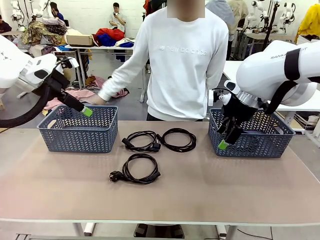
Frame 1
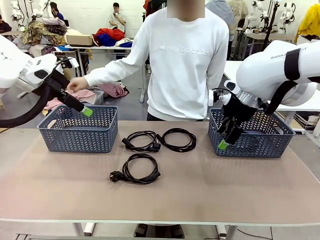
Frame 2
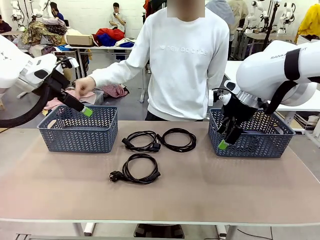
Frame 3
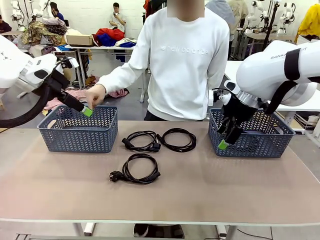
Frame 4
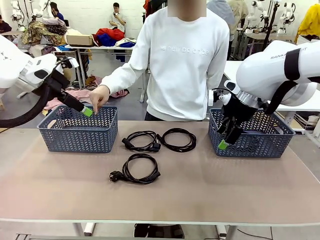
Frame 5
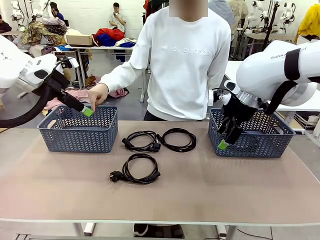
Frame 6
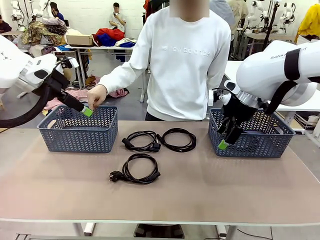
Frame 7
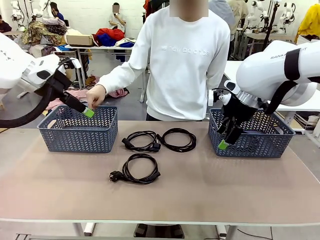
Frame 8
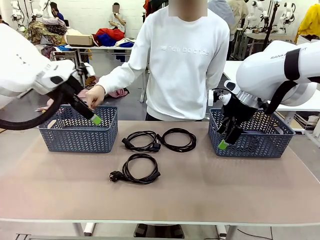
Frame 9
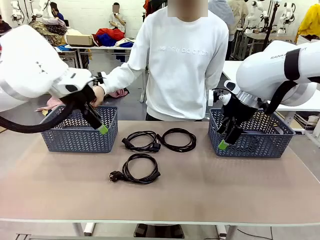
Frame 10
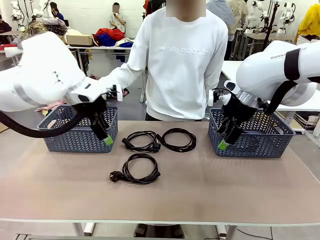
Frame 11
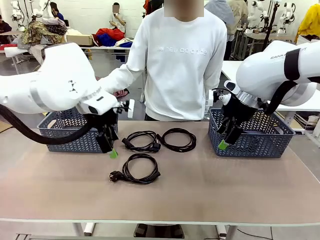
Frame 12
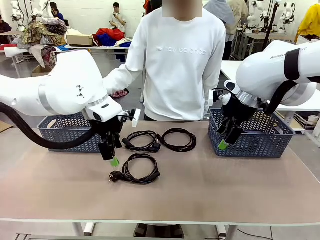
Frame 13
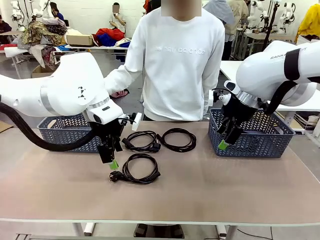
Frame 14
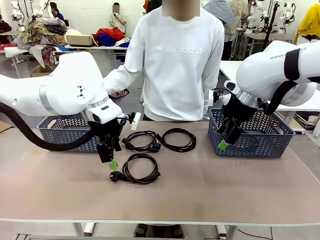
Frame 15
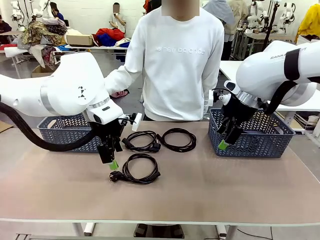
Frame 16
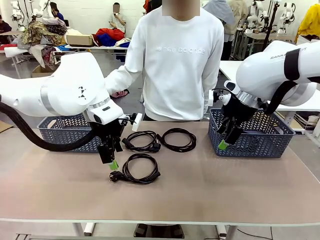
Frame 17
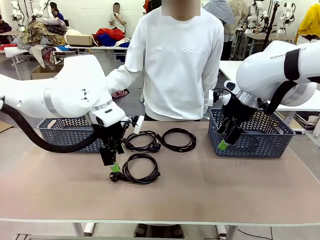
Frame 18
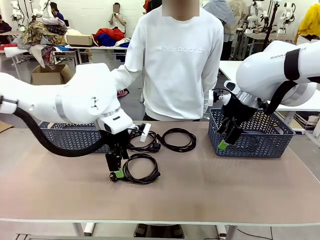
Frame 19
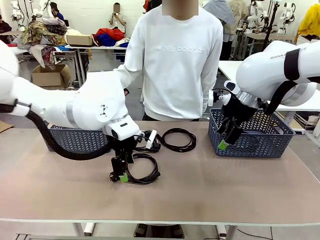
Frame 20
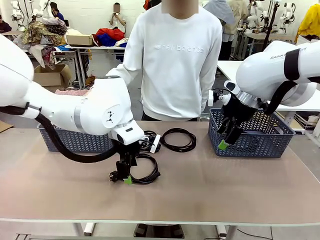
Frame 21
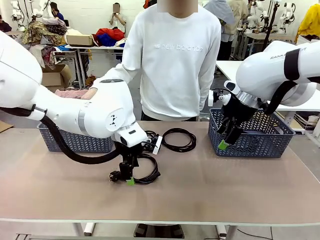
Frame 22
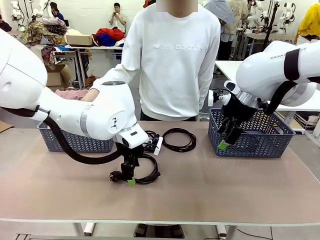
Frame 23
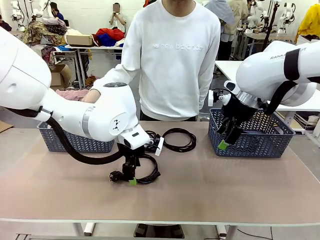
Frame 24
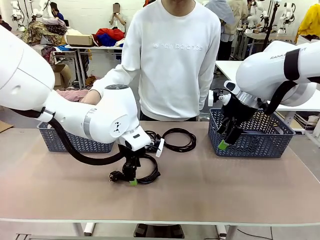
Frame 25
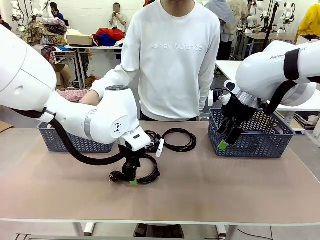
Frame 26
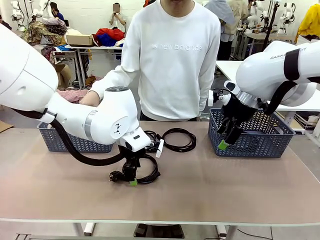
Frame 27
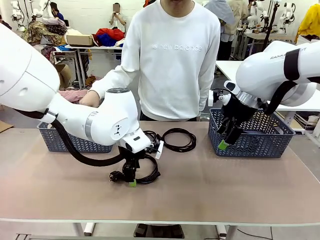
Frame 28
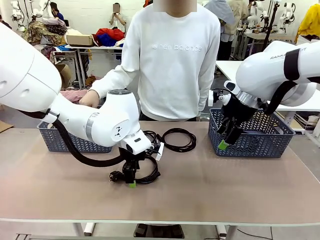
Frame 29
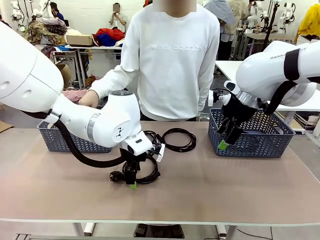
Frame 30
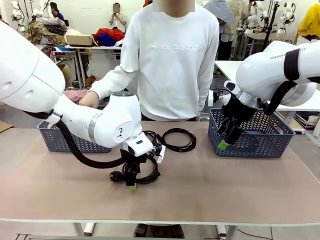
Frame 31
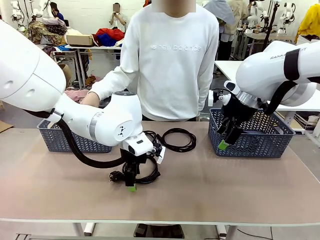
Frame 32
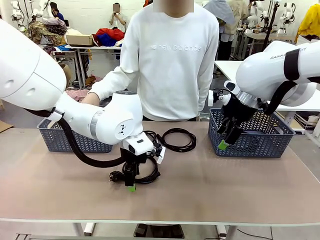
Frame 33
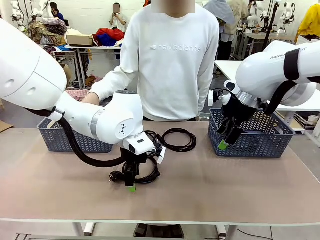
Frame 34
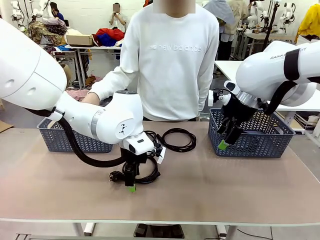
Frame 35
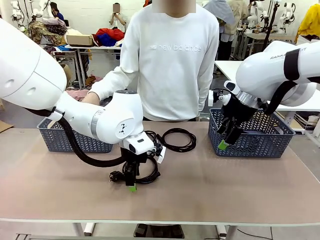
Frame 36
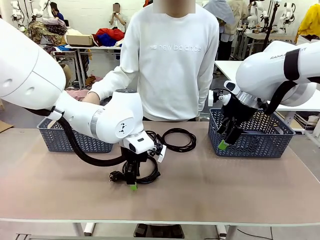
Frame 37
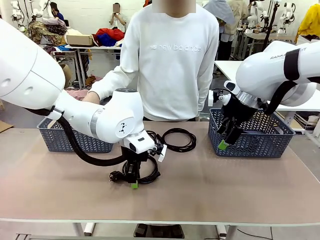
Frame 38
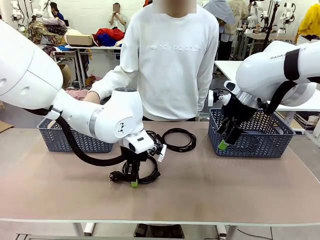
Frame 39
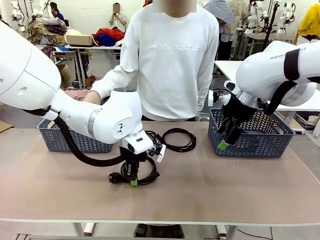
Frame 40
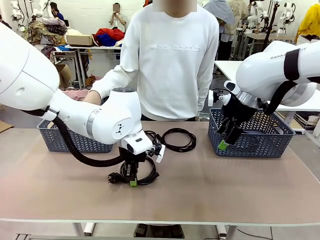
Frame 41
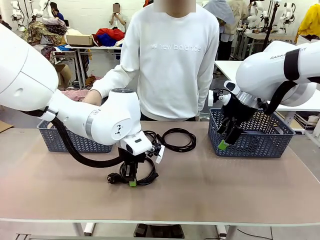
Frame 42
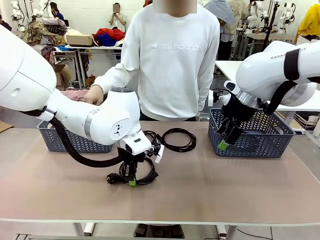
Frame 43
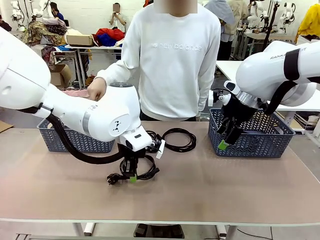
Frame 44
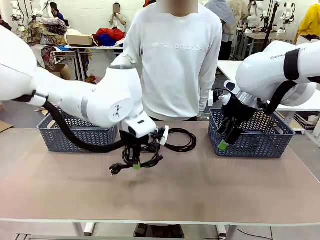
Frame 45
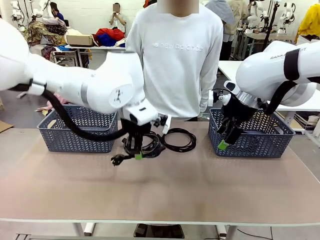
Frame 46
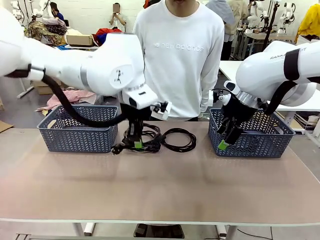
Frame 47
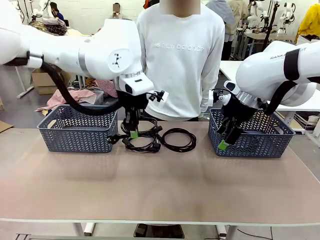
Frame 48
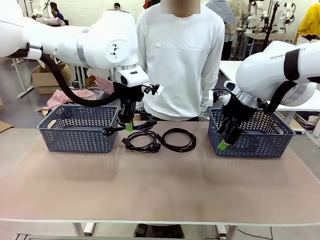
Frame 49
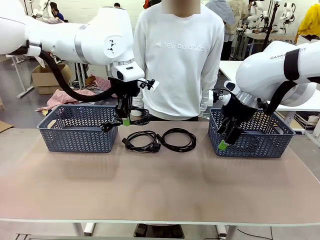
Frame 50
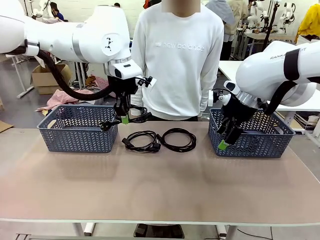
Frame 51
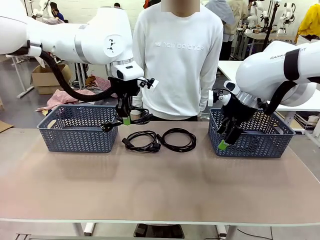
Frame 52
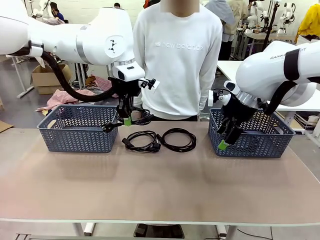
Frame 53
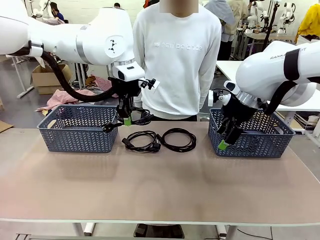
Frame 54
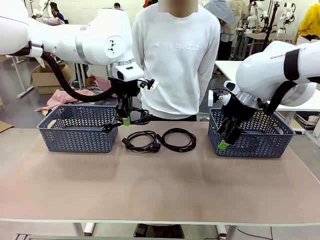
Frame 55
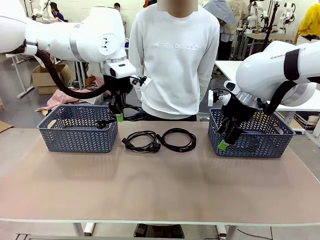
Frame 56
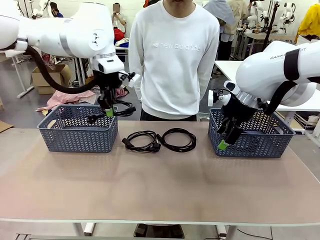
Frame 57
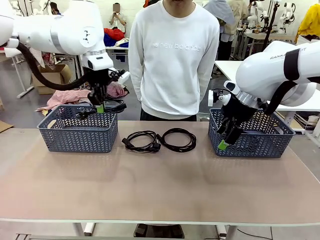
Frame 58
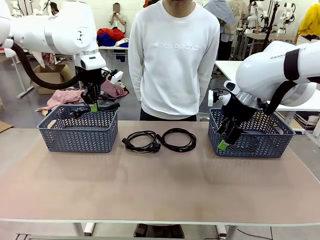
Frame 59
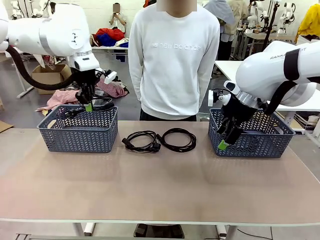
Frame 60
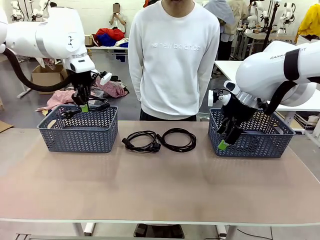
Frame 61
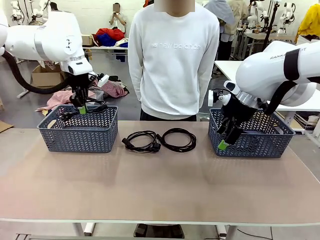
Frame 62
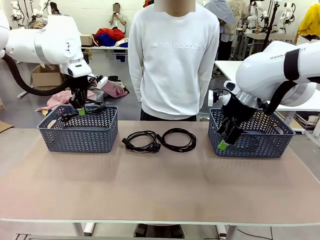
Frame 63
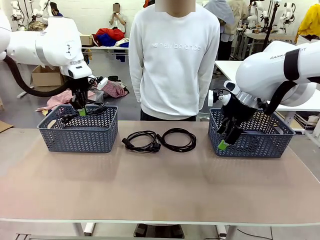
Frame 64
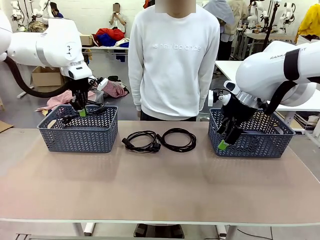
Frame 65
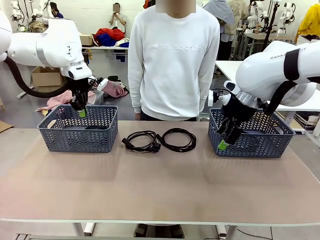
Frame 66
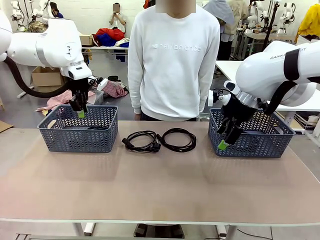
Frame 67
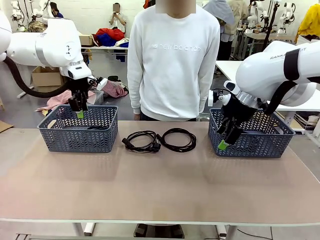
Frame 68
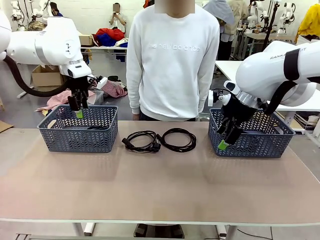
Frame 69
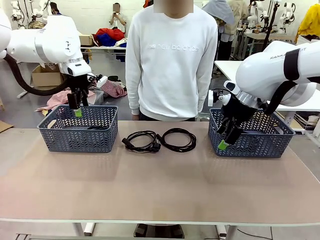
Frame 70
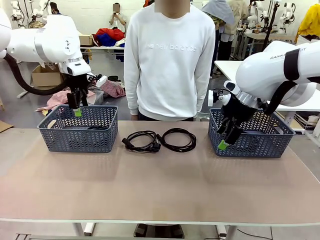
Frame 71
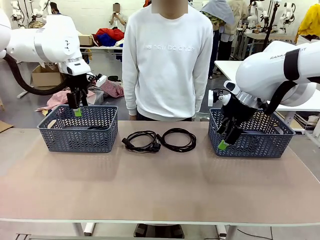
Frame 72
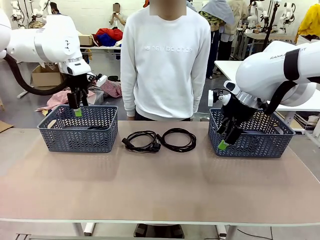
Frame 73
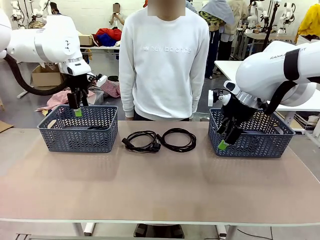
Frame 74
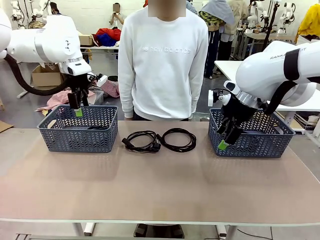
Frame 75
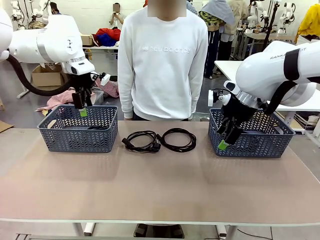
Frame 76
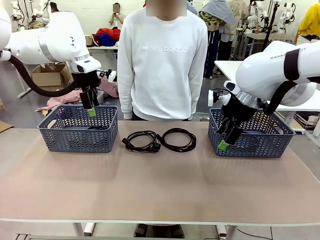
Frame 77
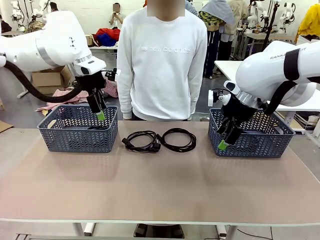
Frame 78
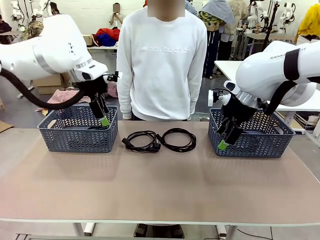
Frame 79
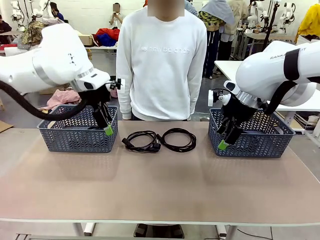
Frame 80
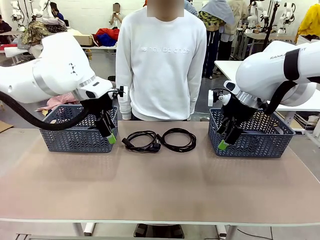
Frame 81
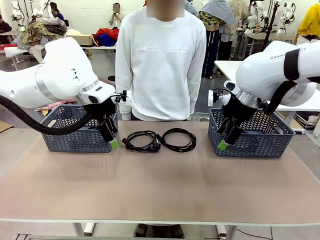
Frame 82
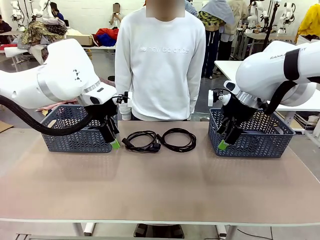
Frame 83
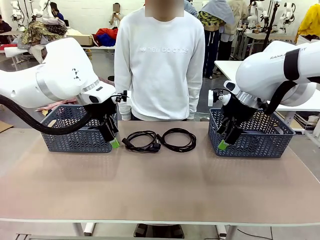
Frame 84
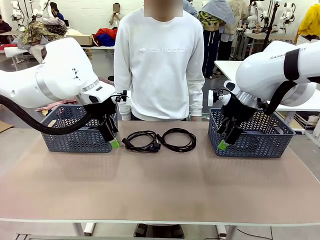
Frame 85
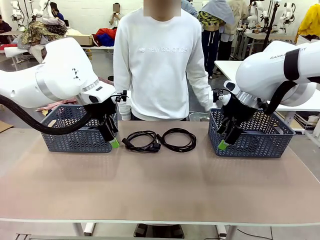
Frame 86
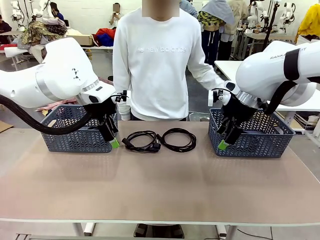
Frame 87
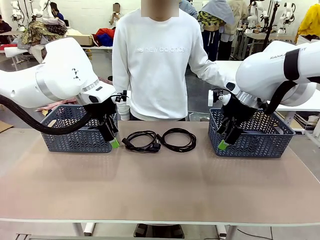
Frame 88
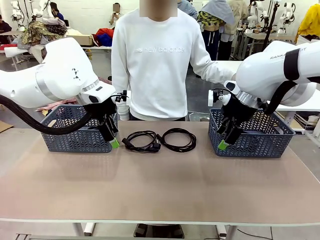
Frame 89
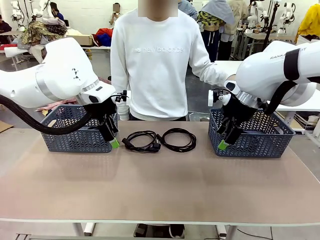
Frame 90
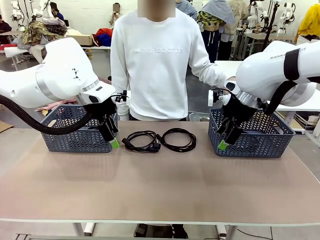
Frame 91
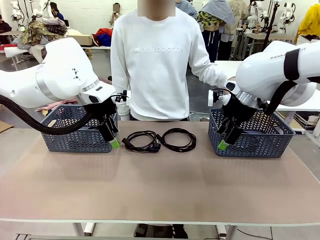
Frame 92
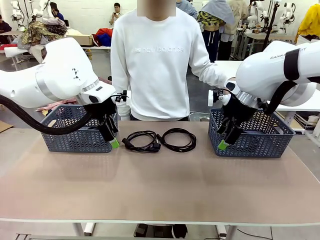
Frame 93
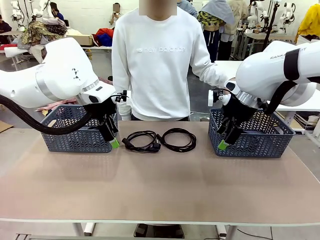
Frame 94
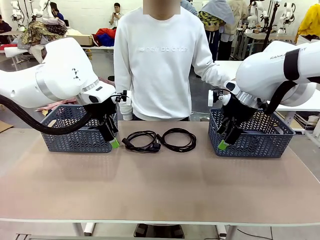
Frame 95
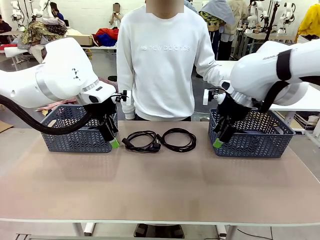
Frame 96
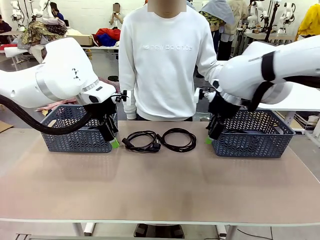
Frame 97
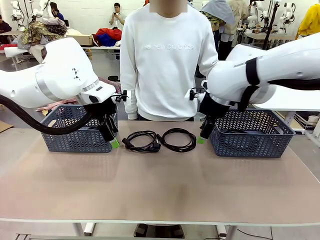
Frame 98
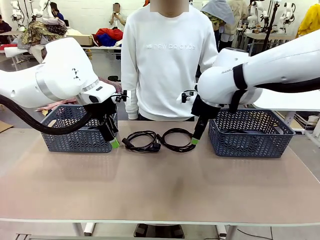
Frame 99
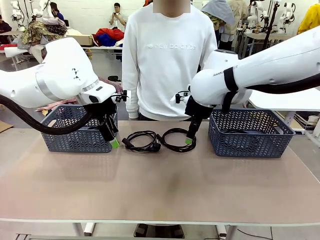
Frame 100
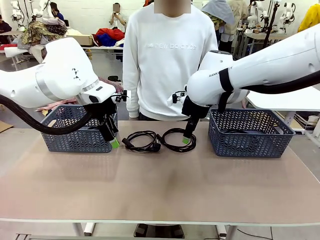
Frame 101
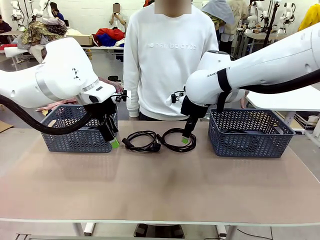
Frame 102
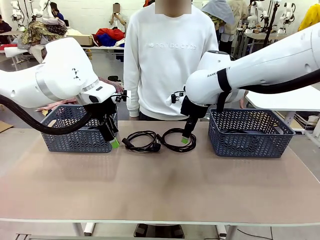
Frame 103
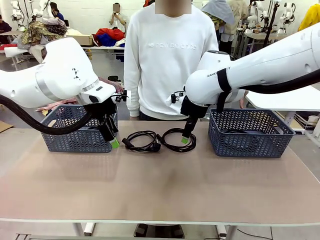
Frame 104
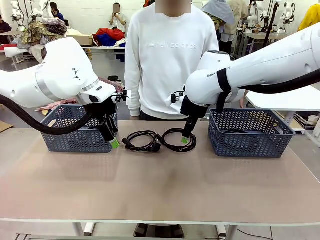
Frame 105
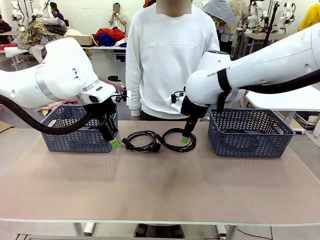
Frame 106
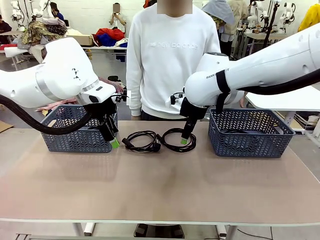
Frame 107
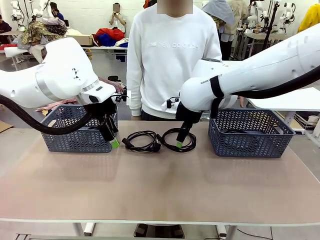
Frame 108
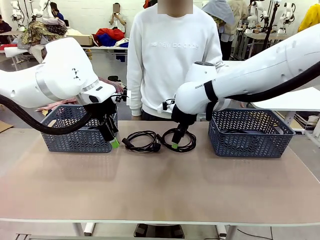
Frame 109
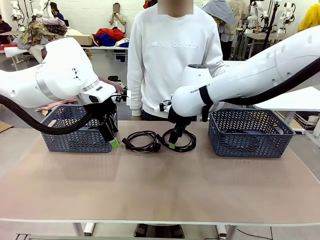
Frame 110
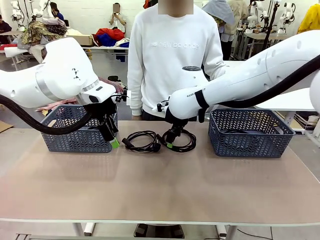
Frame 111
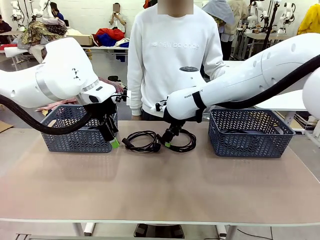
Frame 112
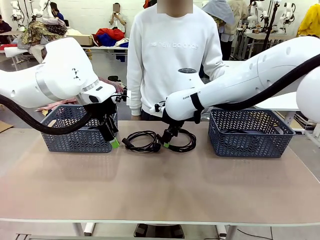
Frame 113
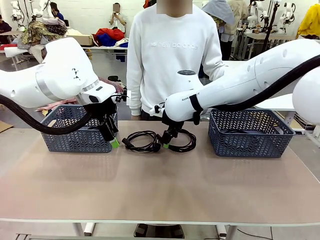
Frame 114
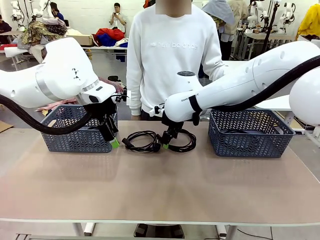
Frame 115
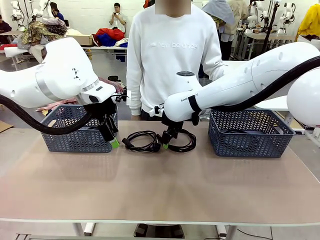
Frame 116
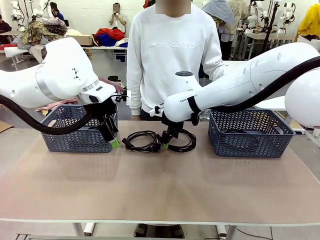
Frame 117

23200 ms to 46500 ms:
Task: Organize the cables according to human instructions.
Robot: Pick up a bundle of cables and place it in the basket indicated by the human.
